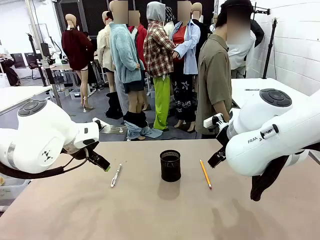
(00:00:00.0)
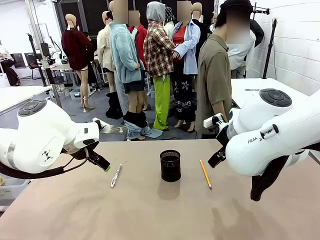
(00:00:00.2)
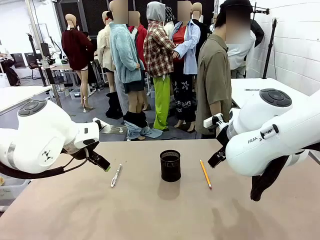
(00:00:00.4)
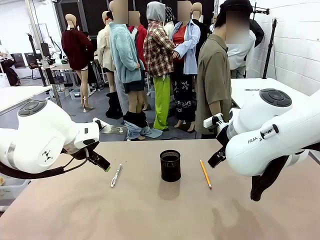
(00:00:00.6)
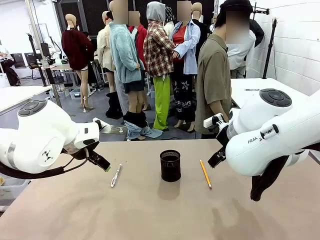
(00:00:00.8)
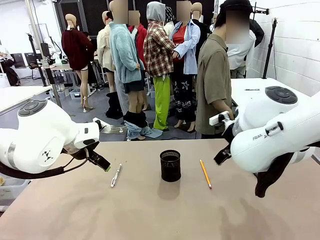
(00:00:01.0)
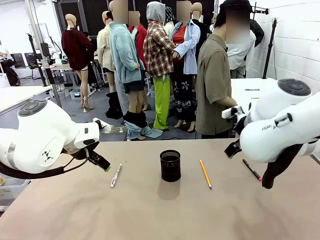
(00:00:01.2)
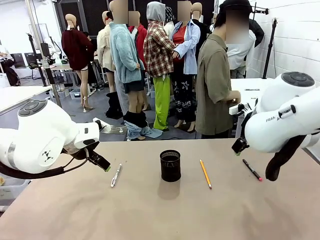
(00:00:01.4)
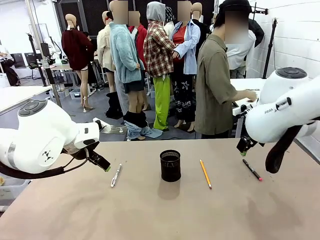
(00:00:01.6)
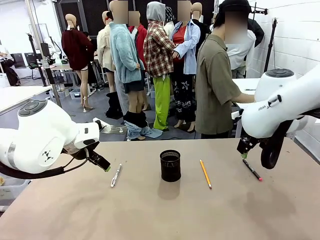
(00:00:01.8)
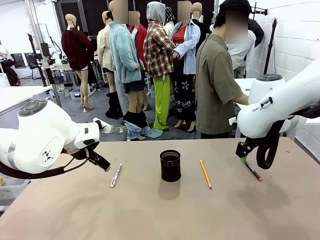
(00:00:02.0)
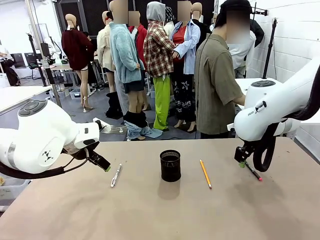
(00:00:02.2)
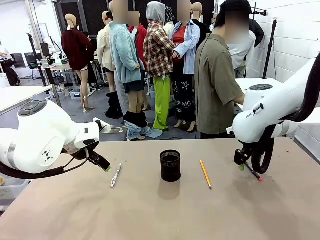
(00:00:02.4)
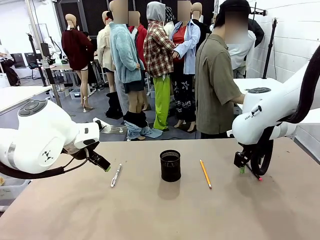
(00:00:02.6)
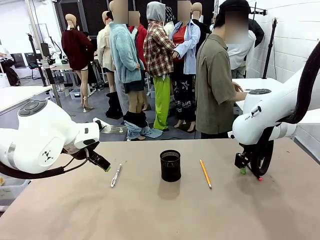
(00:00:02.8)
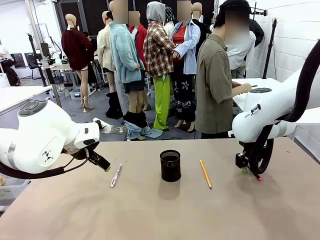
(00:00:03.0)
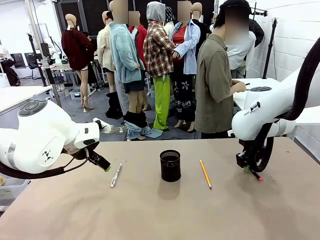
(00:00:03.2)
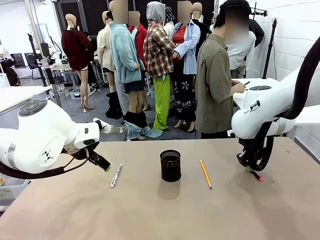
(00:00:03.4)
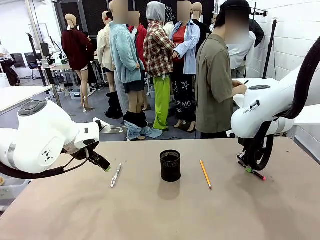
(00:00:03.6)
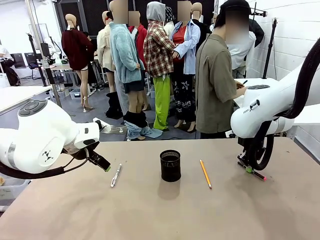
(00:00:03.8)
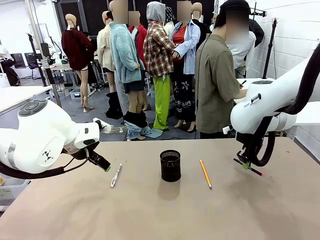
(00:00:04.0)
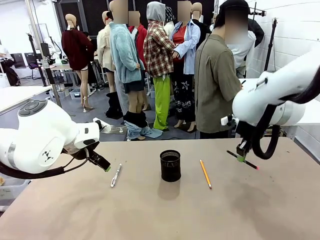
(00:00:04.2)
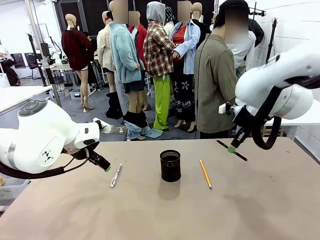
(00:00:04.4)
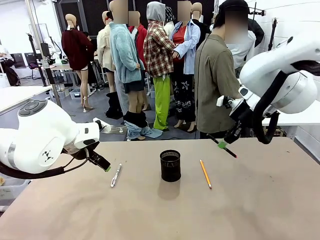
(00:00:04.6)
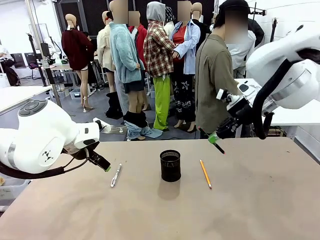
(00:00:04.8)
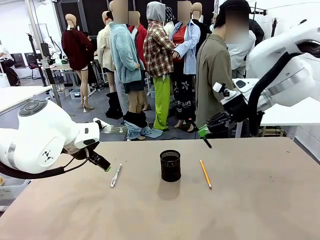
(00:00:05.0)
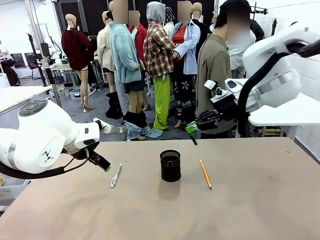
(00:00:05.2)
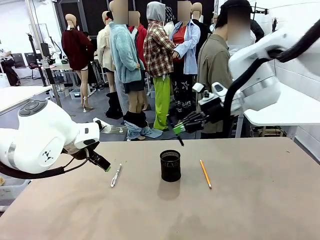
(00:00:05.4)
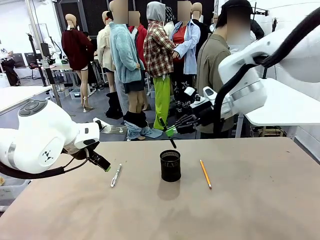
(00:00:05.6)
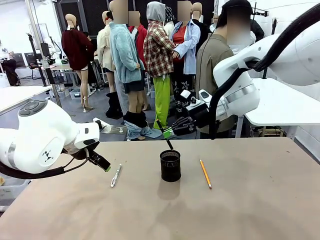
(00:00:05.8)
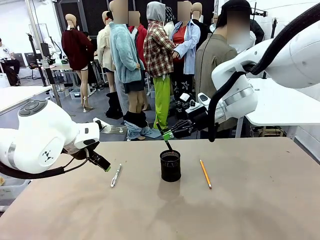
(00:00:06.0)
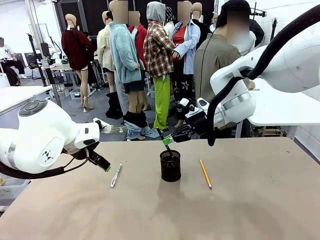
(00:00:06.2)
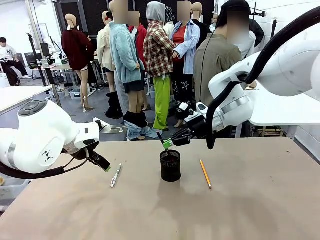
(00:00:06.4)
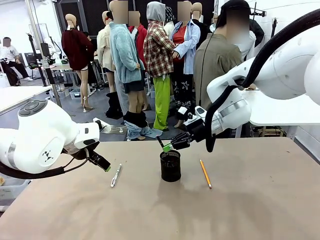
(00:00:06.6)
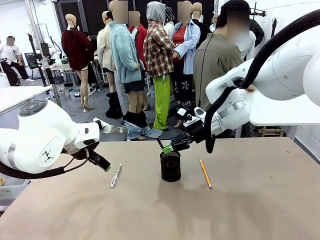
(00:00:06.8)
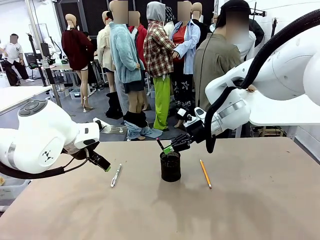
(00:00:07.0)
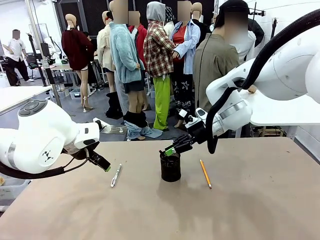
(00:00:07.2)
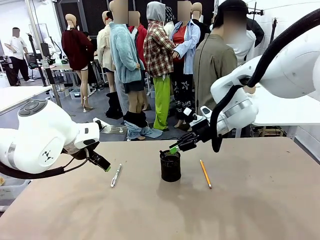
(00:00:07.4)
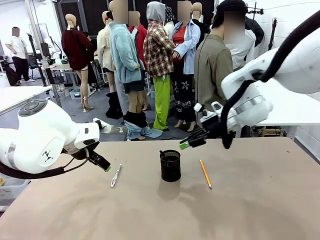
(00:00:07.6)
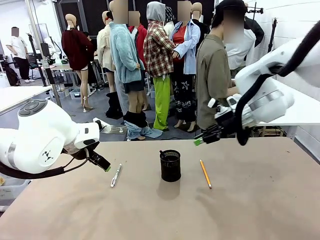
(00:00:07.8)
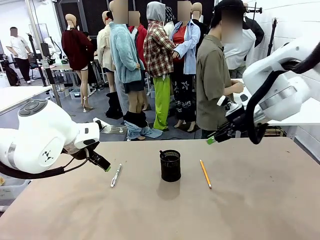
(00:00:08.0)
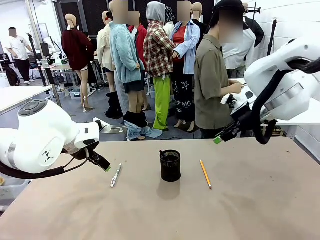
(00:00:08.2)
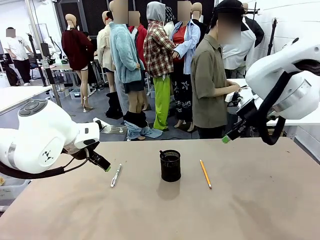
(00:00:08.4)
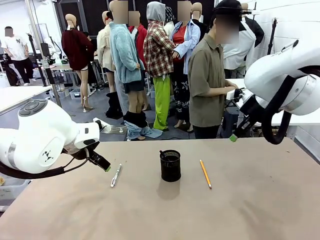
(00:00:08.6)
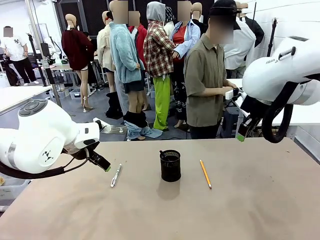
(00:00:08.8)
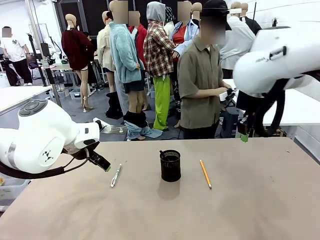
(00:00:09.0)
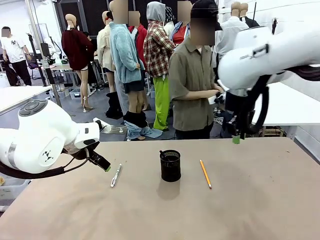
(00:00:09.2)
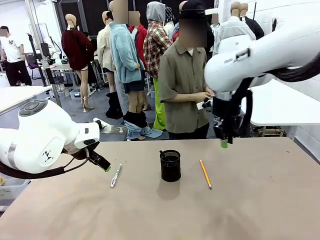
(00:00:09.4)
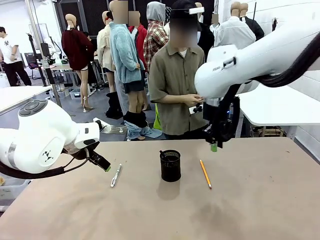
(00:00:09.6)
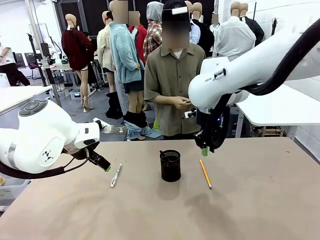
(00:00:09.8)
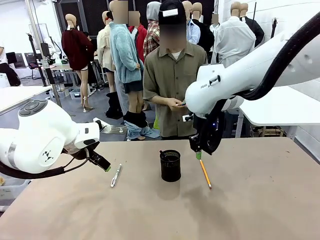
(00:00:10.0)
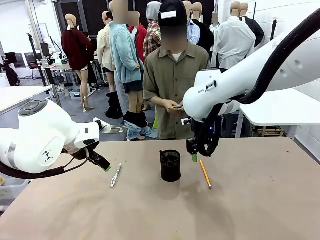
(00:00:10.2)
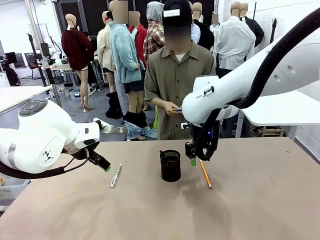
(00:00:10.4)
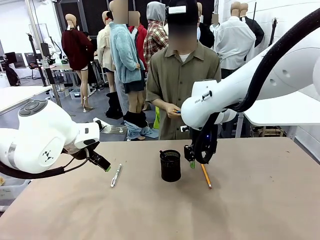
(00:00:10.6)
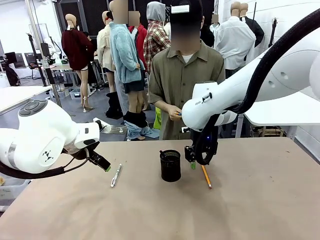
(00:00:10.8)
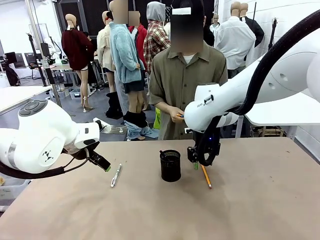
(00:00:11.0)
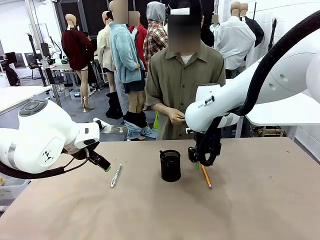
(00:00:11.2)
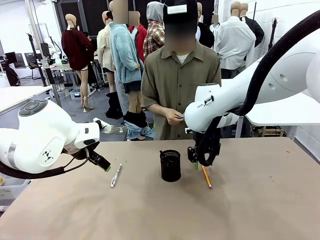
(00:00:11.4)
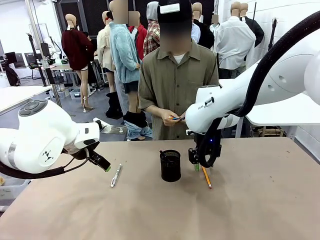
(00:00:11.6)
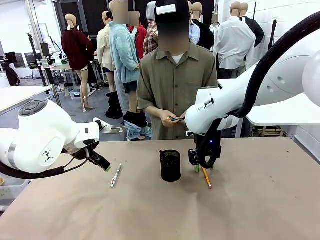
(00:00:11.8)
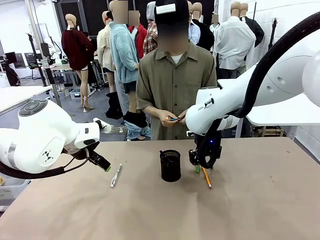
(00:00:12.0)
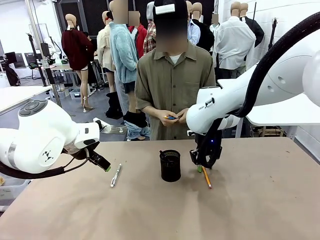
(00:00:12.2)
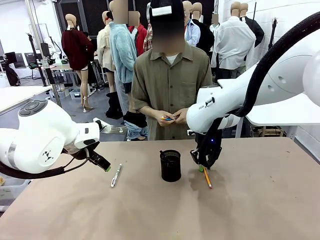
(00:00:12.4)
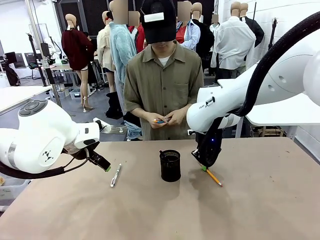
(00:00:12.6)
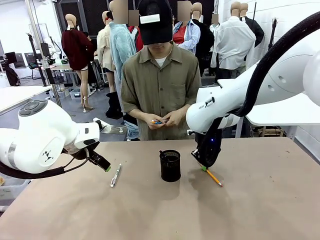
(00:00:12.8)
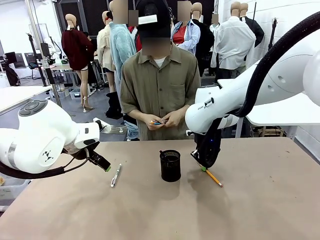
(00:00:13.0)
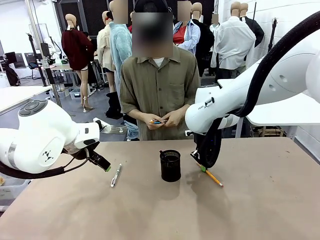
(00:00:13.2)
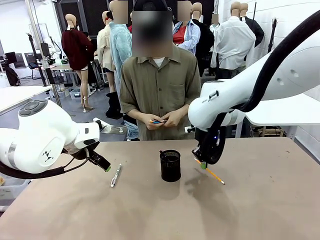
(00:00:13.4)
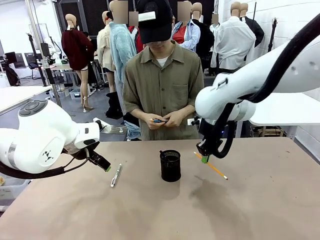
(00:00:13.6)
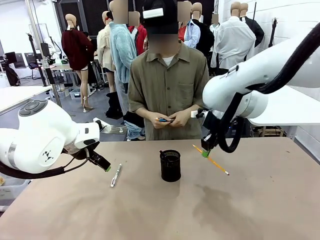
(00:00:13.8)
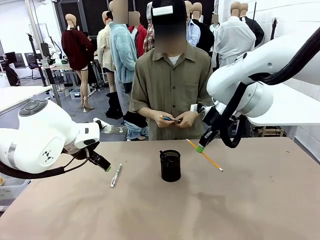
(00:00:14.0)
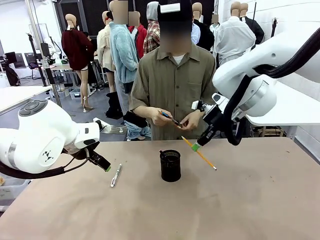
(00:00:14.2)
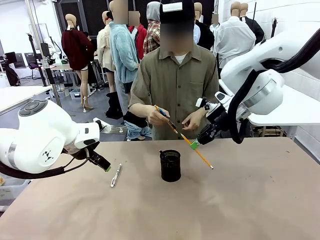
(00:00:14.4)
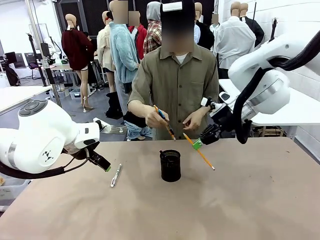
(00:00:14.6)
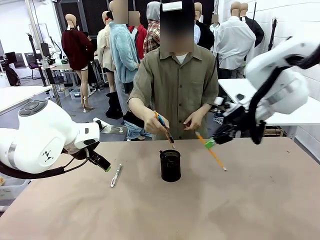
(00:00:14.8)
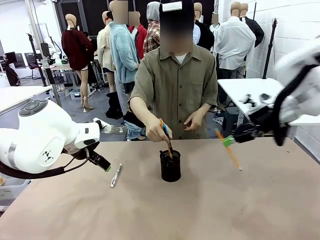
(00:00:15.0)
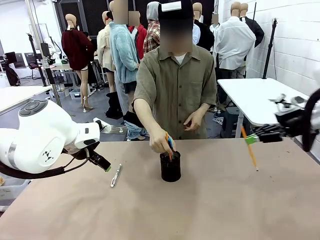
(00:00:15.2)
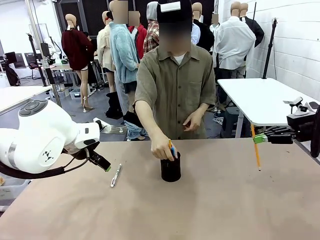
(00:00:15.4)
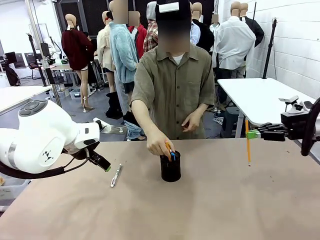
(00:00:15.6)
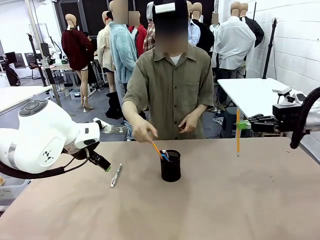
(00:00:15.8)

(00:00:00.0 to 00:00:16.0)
Task: Place the pens into the pen holder.
Robot: Pick up a writing instrument from the table and place it into the Pen holder.
Person: Pick up all writing instruments from the Human table.
